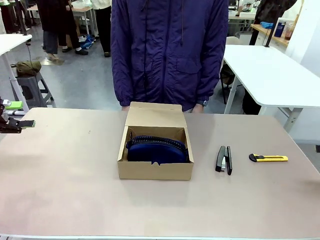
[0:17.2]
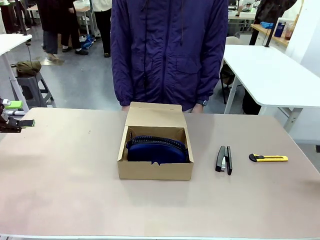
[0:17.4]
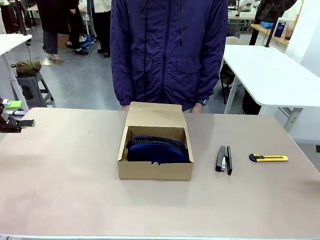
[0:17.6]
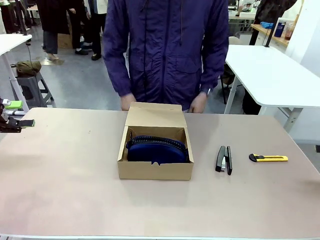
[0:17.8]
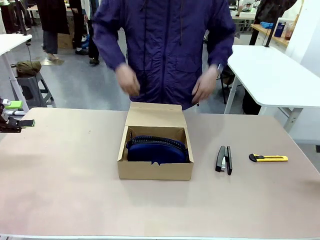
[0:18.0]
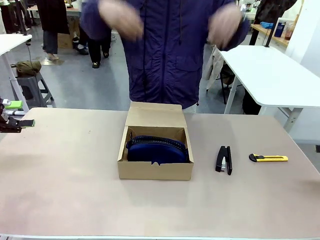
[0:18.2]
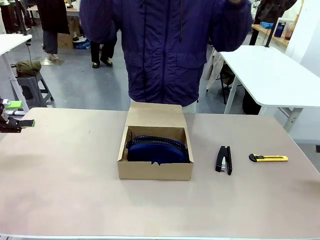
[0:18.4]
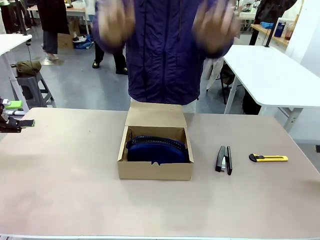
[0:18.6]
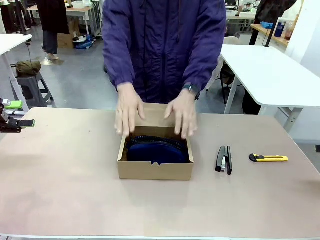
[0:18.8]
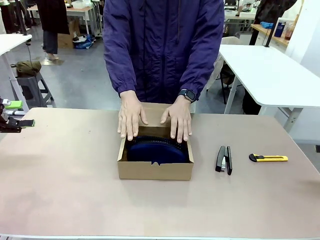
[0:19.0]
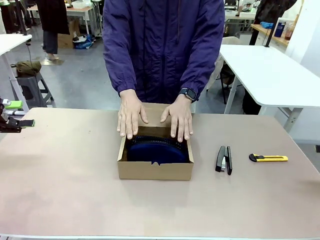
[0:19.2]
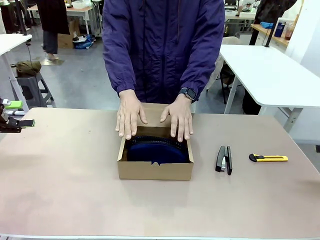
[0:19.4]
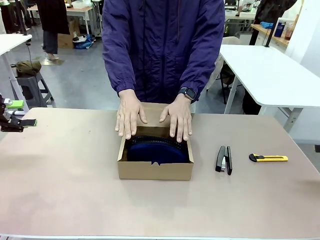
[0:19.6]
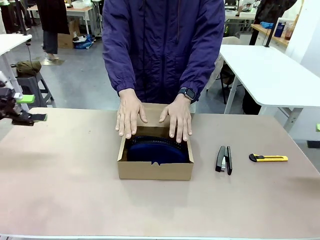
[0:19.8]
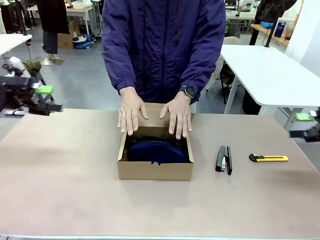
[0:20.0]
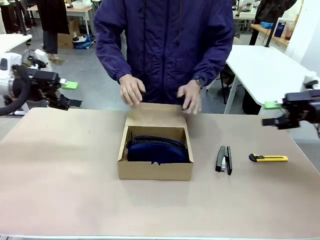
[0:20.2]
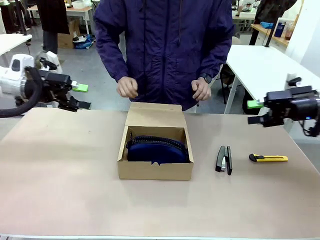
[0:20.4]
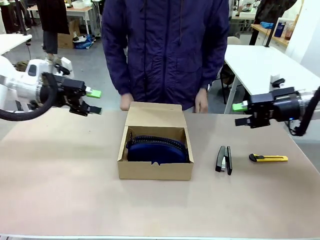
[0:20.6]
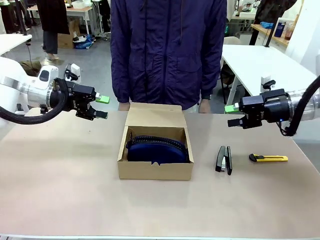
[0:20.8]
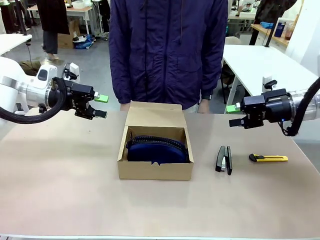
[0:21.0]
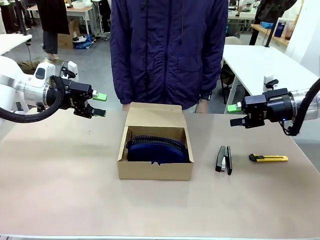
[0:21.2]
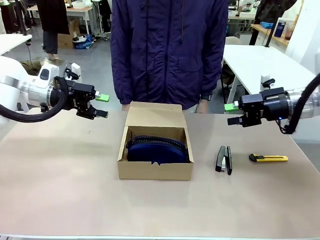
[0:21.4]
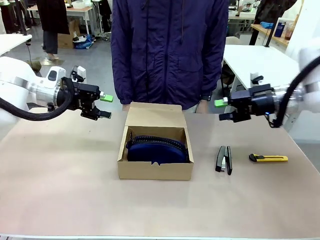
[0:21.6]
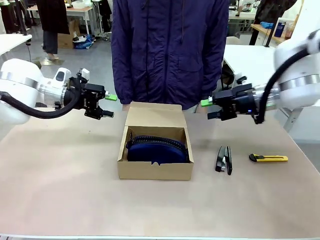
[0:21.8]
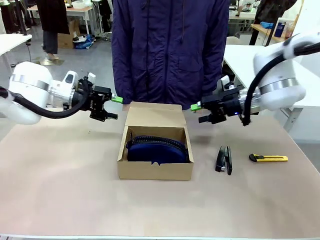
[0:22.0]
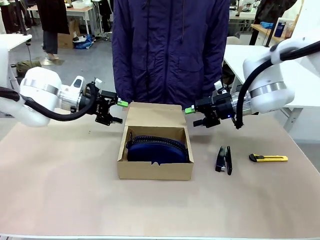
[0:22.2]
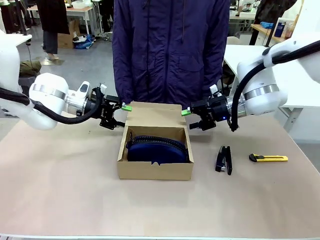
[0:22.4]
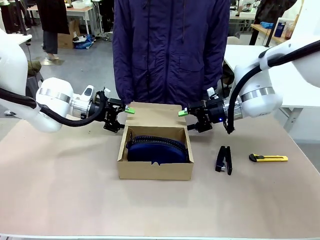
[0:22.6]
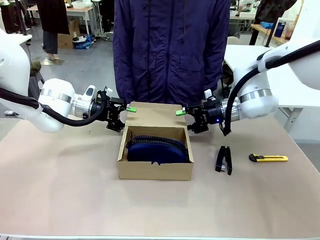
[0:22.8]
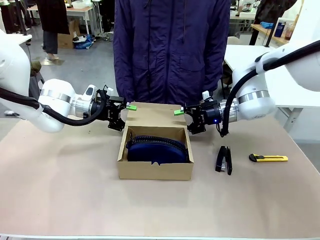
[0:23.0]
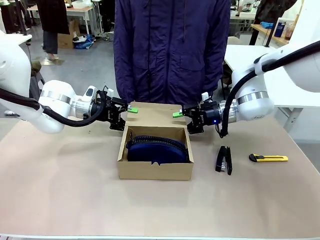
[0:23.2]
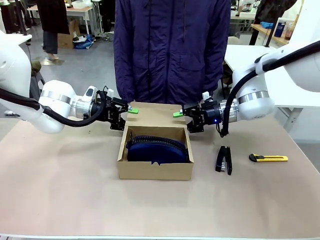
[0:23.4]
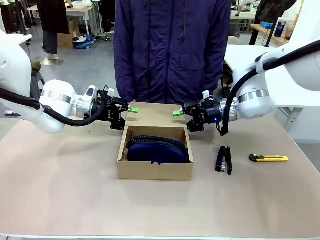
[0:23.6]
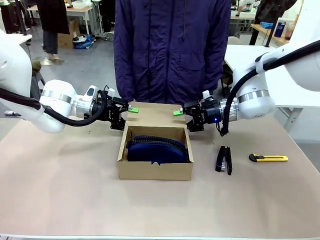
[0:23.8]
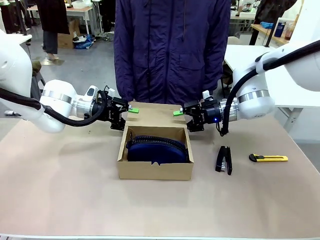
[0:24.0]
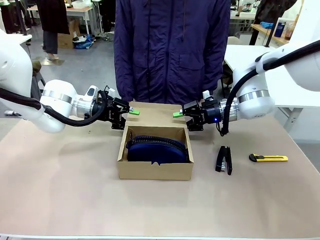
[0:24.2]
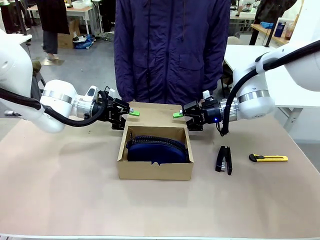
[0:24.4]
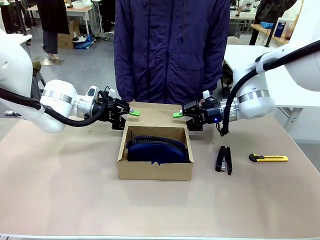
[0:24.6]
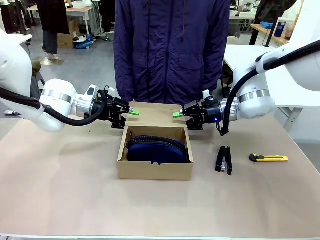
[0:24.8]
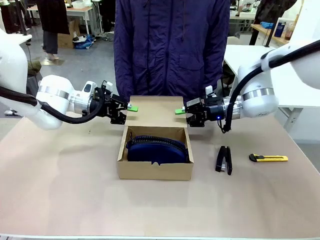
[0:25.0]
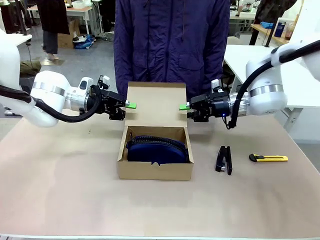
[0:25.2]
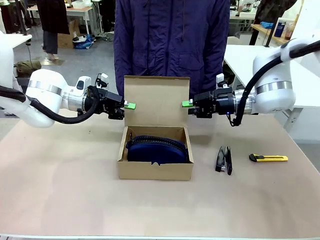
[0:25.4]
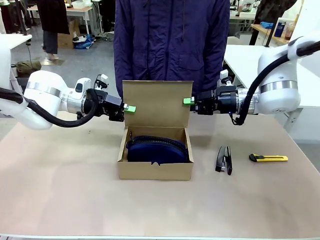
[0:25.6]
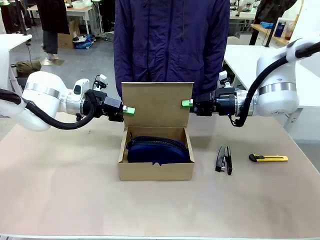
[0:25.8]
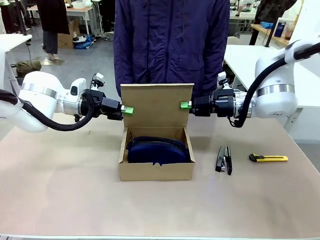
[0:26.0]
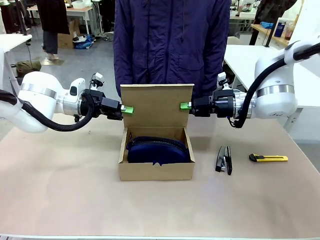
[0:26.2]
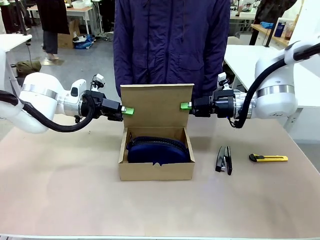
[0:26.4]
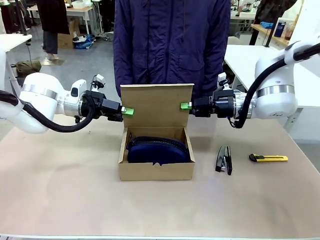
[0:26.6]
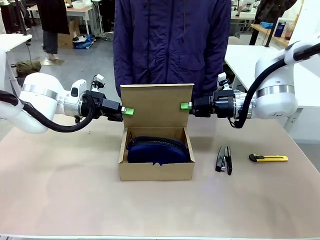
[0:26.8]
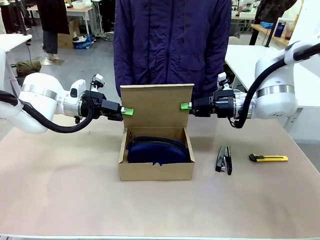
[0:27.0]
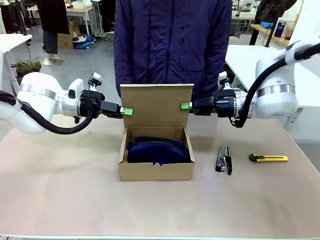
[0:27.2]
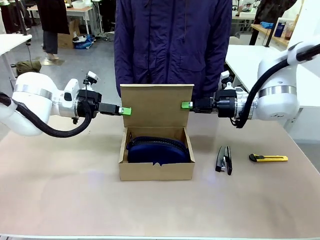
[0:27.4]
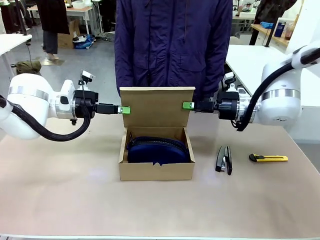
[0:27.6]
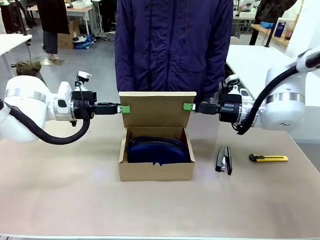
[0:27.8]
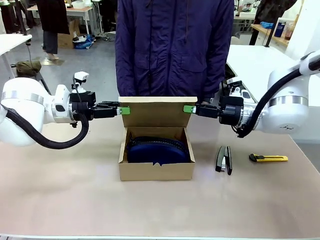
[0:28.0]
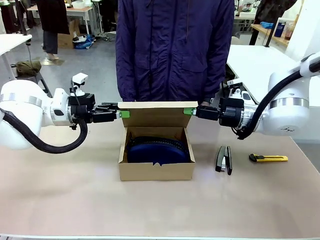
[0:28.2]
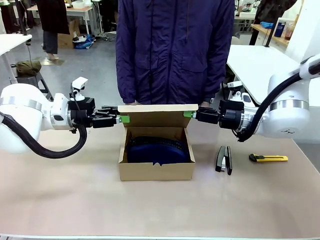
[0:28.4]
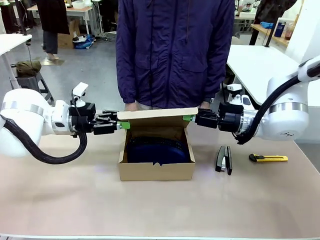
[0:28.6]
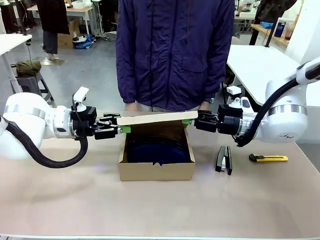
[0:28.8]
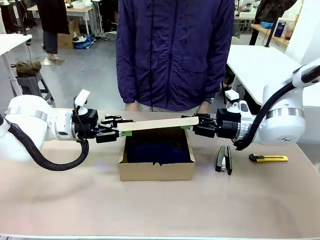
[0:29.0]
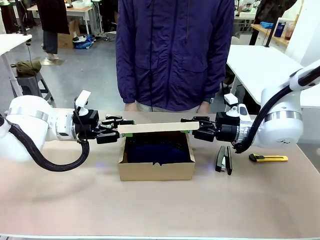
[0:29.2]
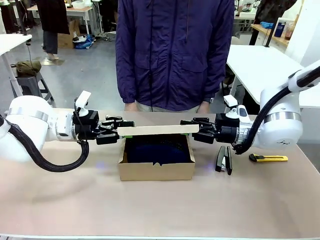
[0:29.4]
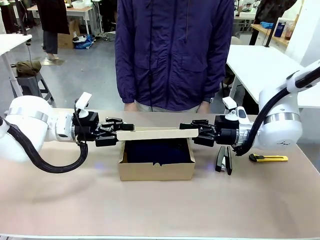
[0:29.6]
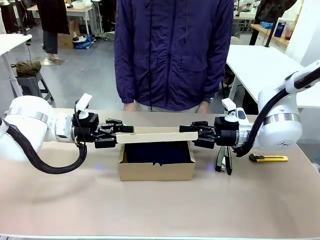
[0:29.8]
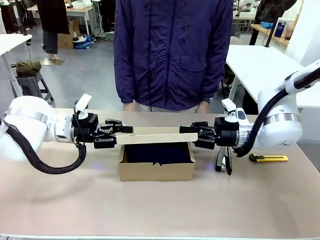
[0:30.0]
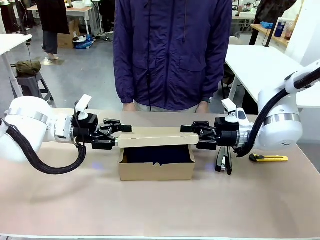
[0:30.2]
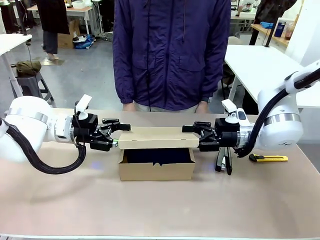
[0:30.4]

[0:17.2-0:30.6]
Task: Pack the item into the box.
Robot: Close the Mailer Box.
Person: Lower both hands vertically with palms facing downward, as if pressing something closed.
